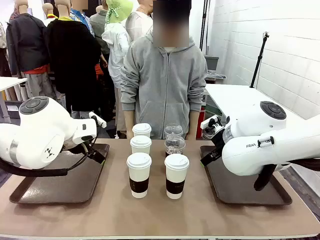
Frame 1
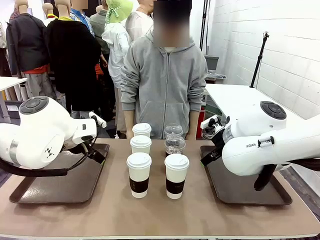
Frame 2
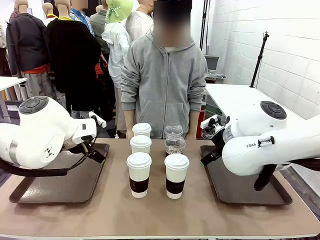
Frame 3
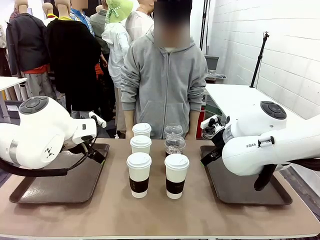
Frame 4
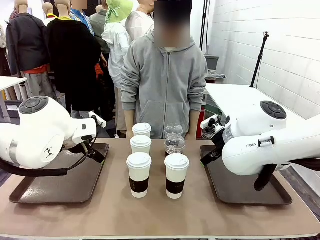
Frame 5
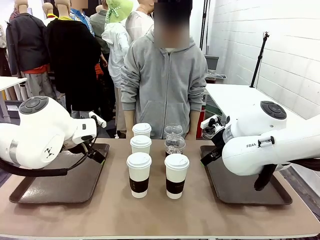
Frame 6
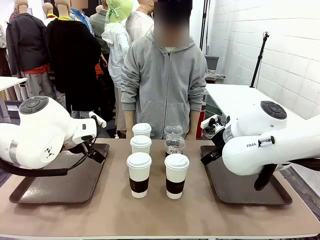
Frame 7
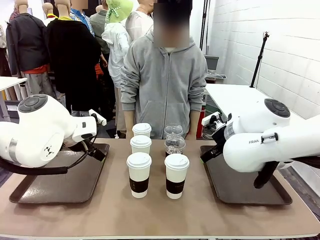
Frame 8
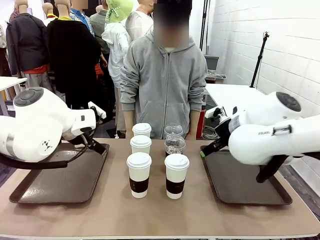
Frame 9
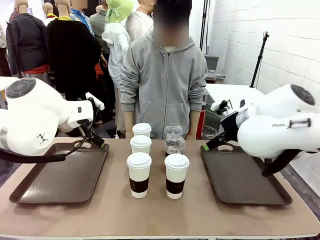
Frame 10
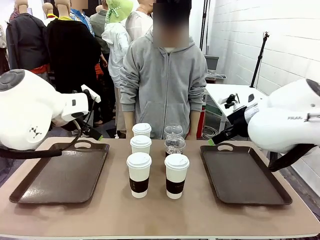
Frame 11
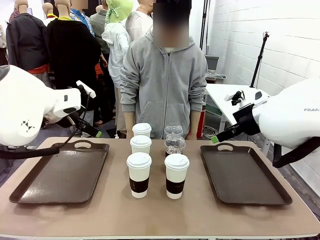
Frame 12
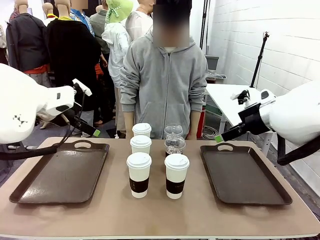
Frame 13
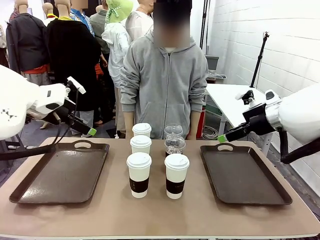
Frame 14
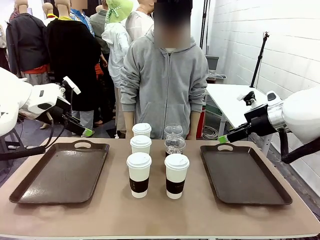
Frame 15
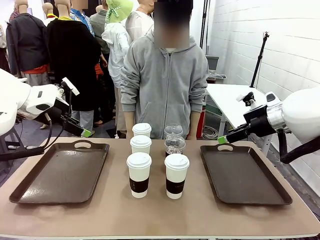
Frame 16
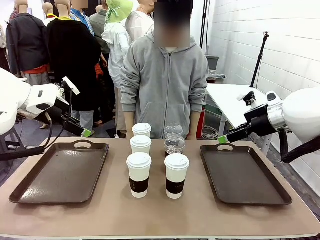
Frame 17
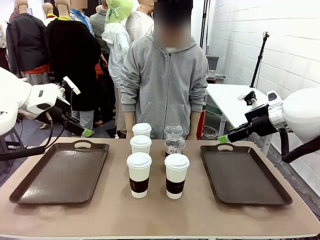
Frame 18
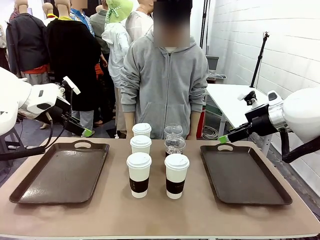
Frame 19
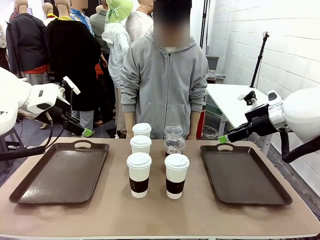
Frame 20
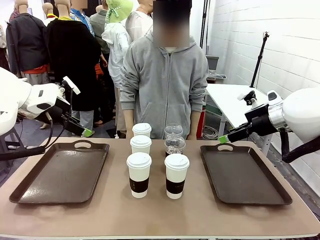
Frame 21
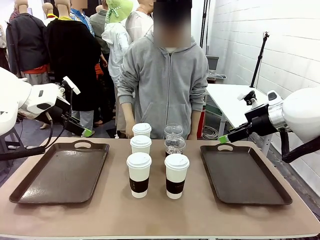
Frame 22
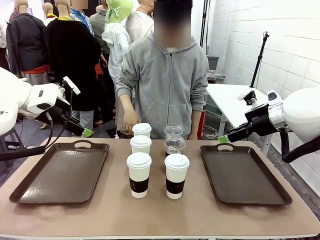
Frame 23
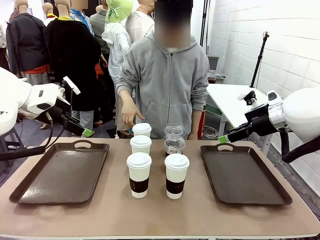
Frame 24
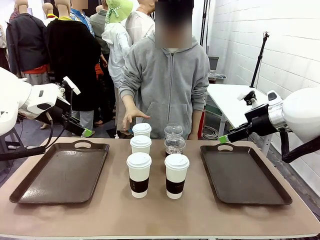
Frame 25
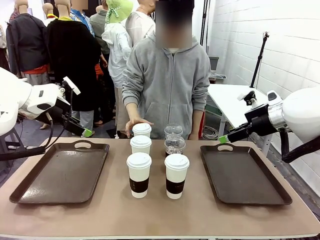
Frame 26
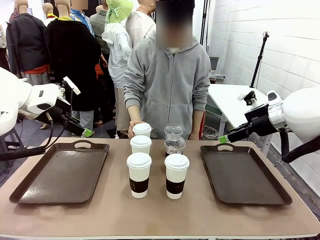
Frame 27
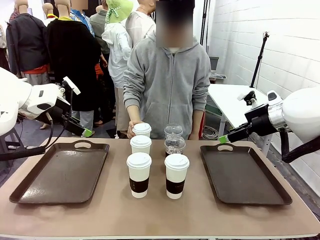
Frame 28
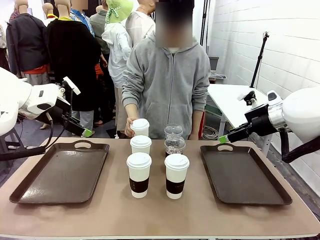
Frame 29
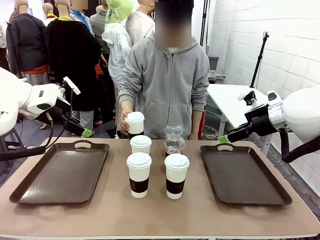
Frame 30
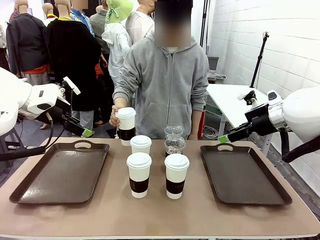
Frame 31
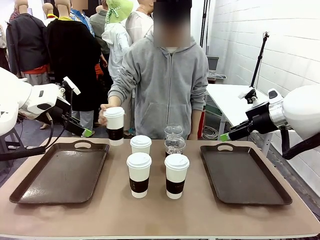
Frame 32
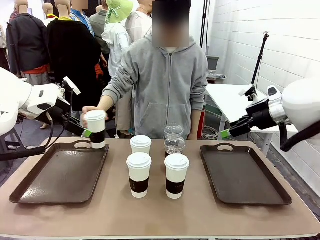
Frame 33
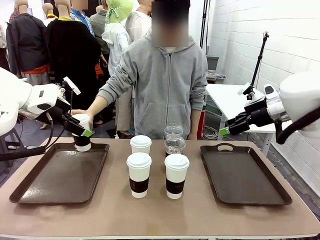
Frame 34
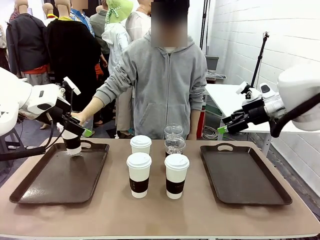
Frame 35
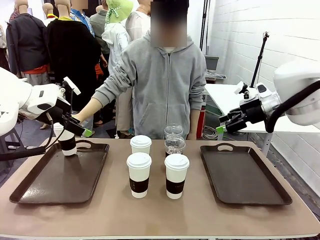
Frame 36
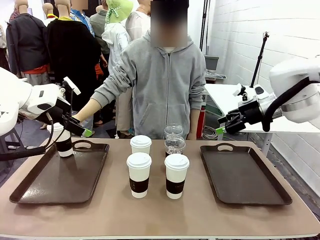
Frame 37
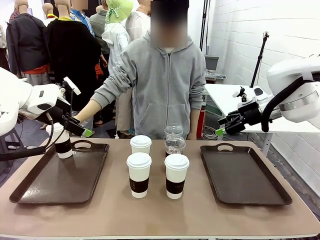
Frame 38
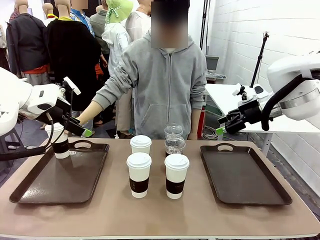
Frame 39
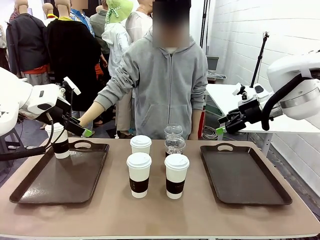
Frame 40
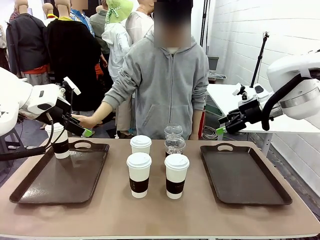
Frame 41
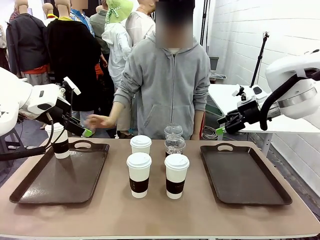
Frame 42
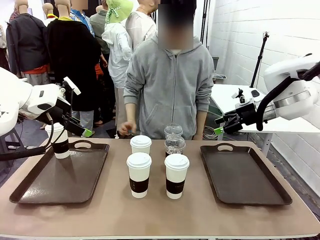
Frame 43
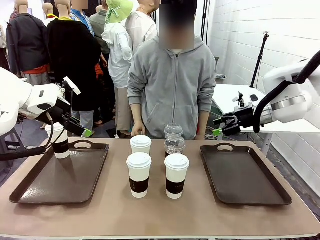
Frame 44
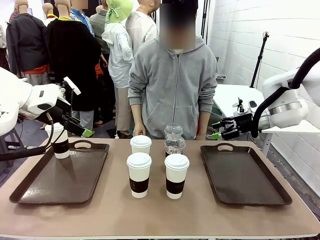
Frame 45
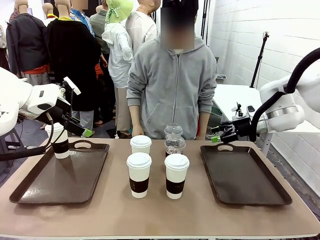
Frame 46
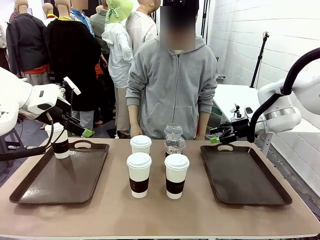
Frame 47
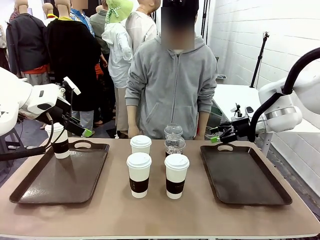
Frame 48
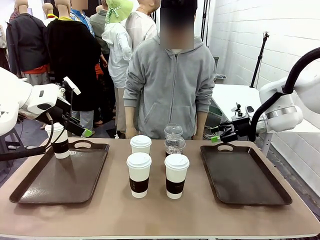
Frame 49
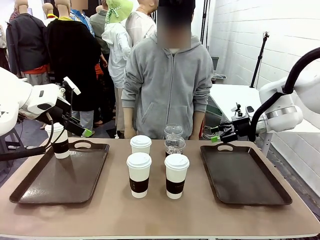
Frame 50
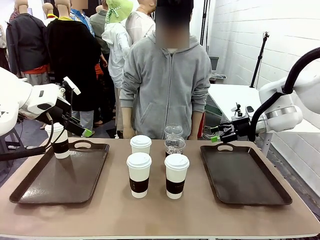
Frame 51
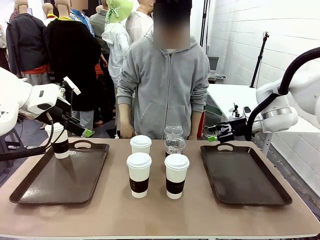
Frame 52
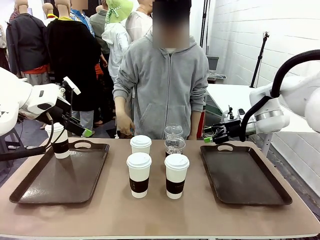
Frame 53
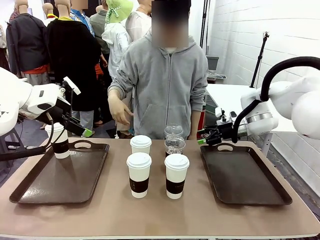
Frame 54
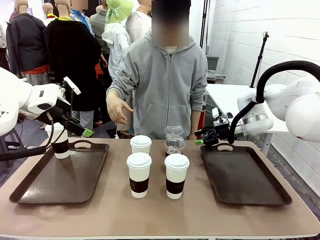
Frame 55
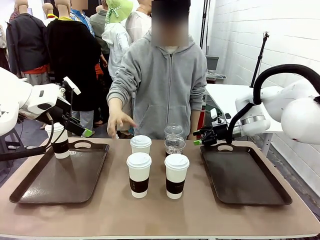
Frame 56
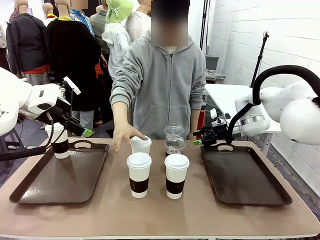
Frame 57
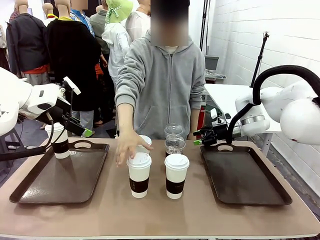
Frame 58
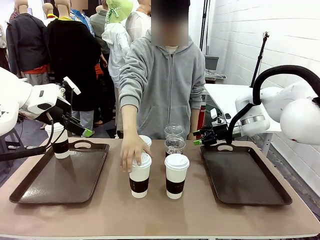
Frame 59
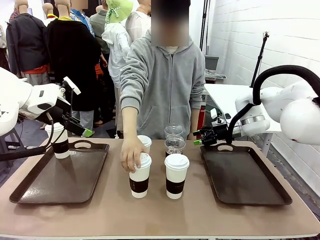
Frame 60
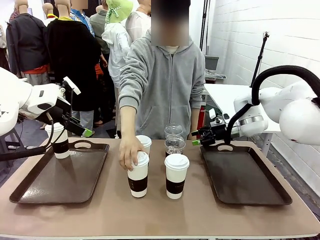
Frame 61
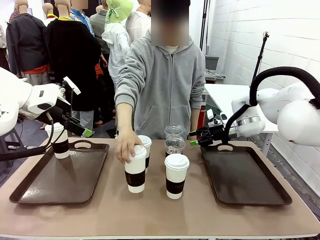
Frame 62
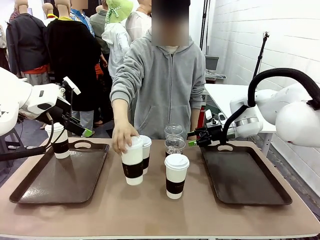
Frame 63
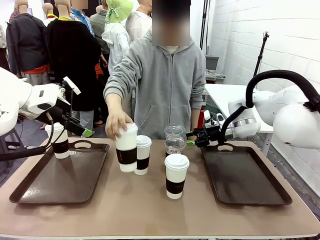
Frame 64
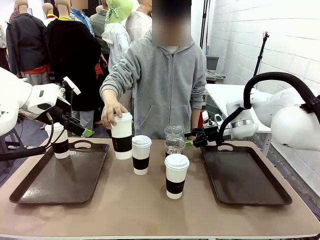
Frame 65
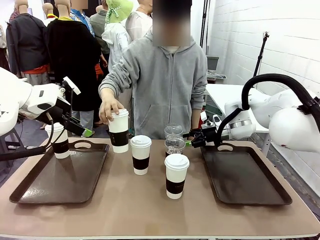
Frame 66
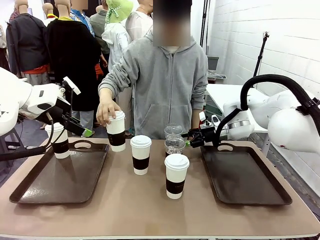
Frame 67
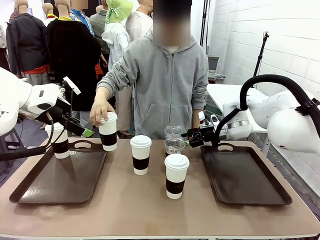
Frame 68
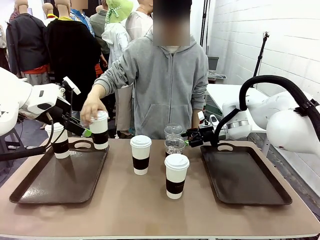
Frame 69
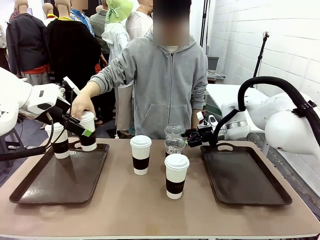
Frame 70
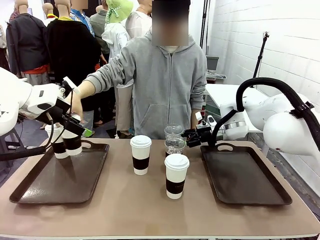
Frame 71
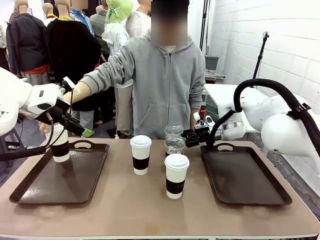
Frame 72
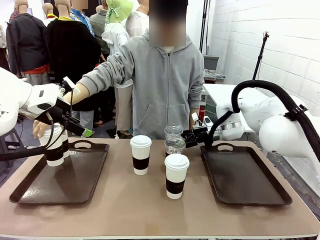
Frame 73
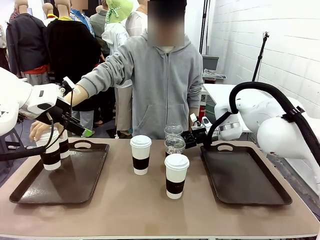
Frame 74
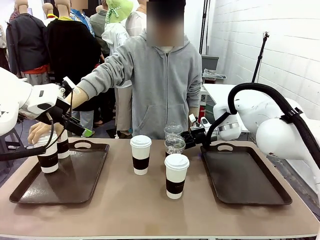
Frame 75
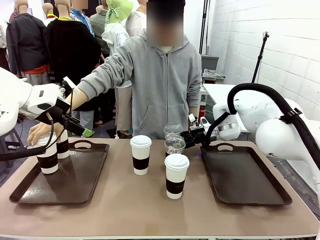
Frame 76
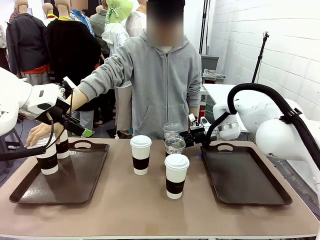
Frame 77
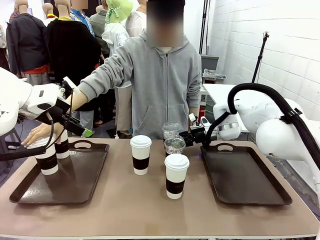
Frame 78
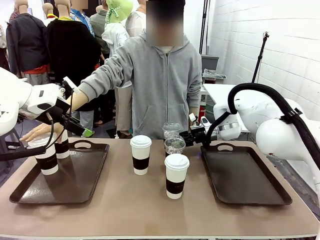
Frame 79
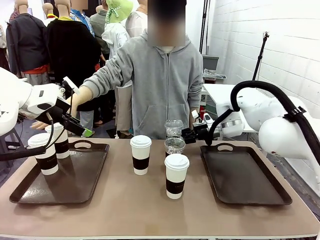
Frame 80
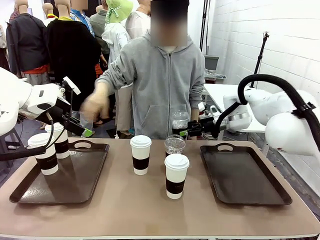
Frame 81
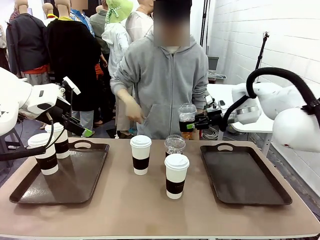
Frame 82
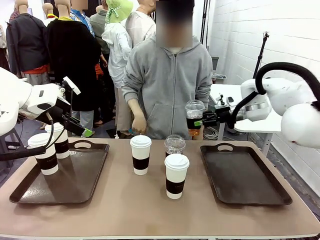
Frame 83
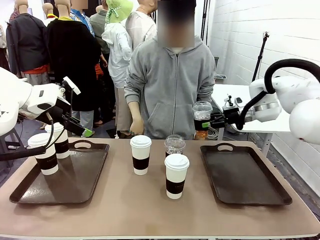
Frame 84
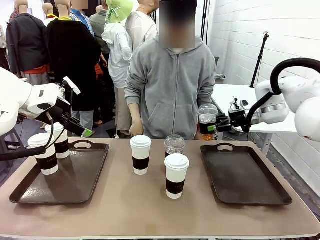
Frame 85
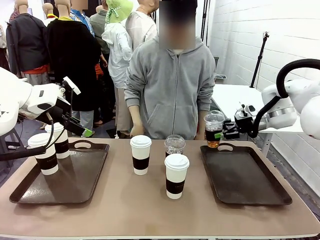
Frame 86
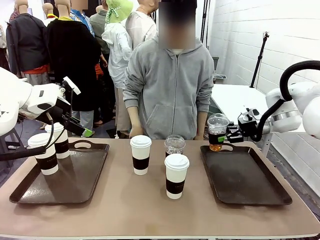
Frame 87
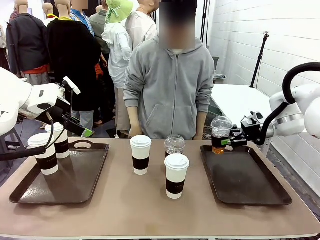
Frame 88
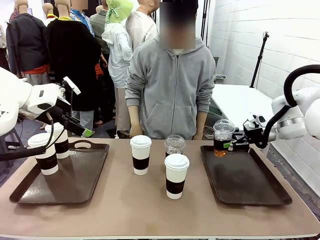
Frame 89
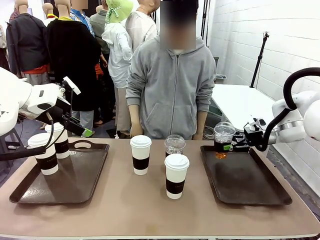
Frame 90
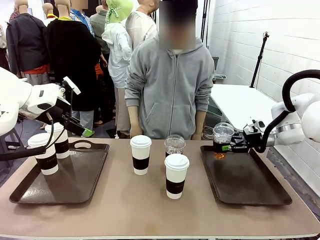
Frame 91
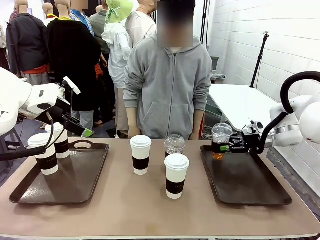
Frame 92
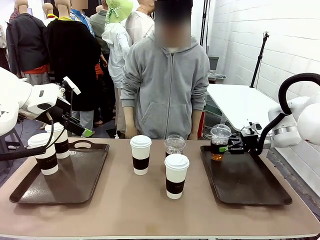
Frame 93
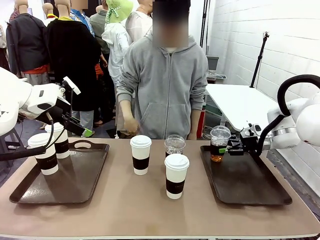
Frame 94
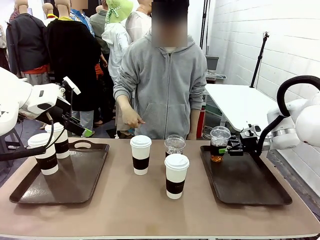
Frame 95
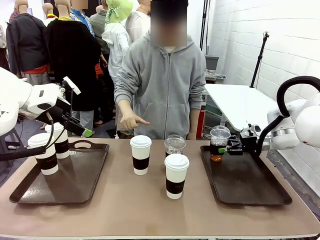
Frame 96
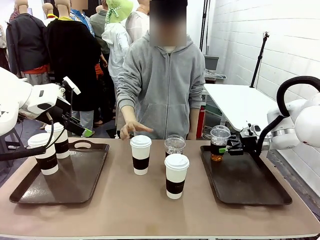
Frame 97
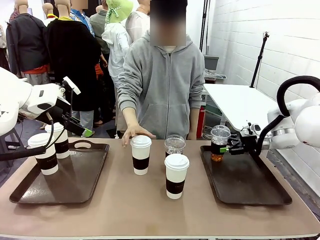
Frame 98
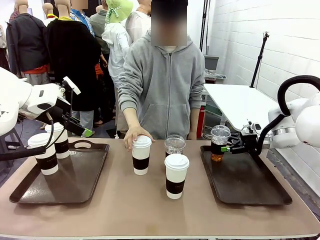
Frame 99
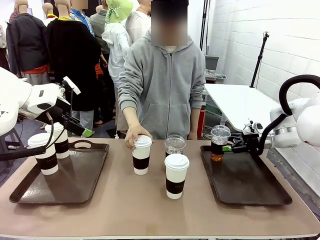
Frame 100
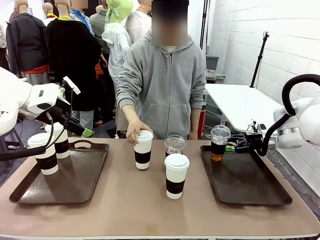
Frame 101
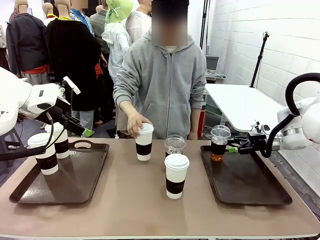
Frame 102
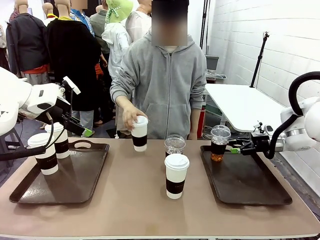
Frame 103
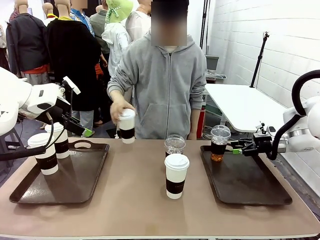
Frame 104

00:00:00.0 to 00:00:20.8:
Task: Distribute the coffee onto the tray.
Robot: Pick up one iced Americano and place it on the right Handle tray.
Person: Pick up a cup of hot Americano and place it on the right tray.
